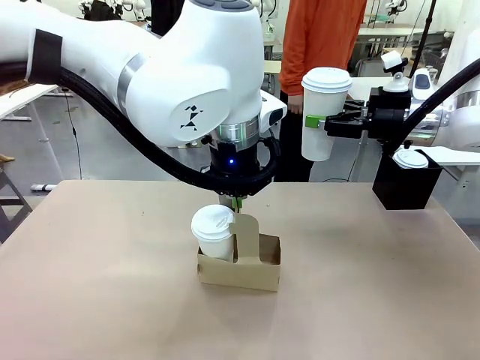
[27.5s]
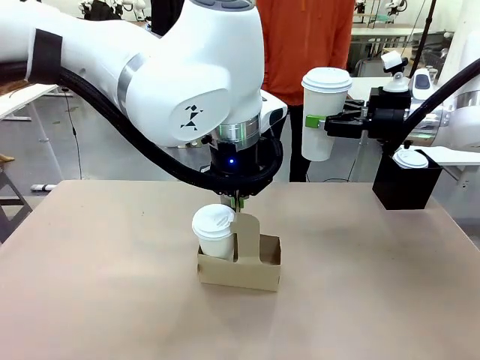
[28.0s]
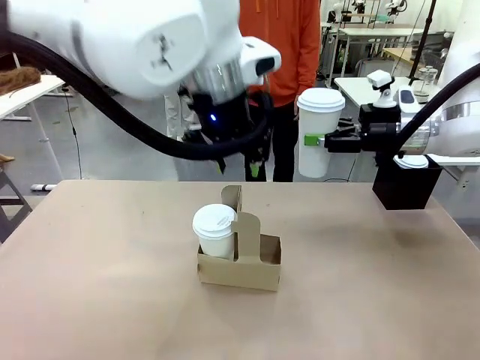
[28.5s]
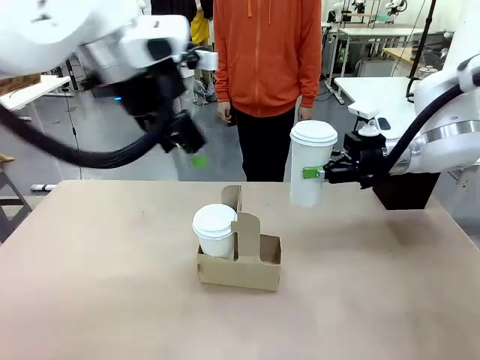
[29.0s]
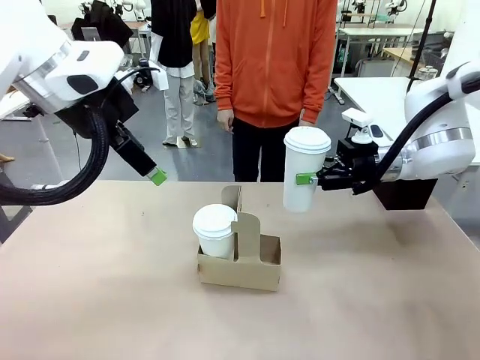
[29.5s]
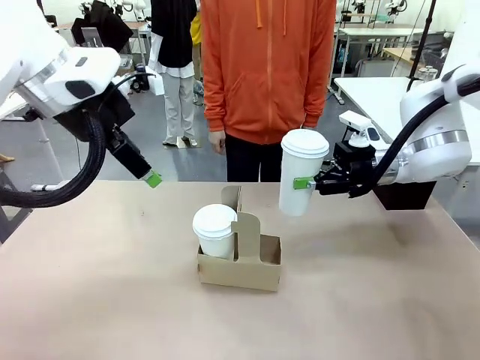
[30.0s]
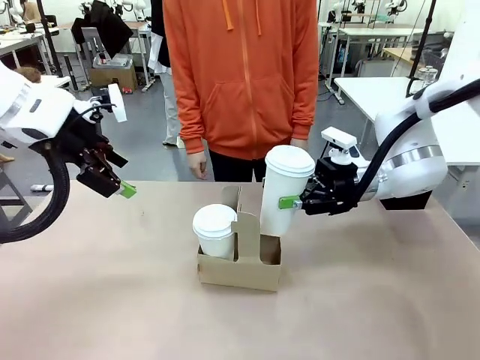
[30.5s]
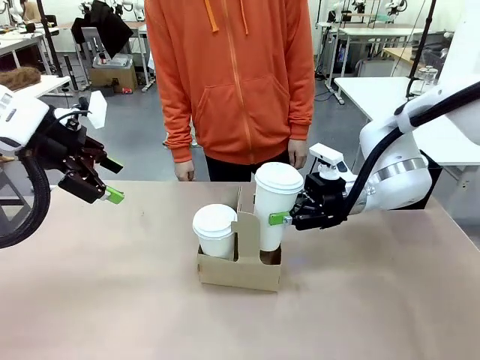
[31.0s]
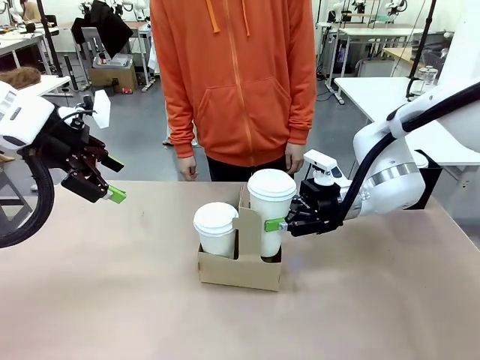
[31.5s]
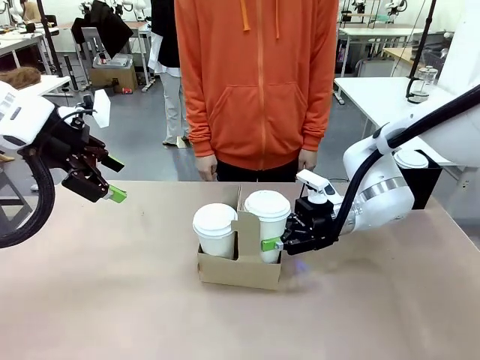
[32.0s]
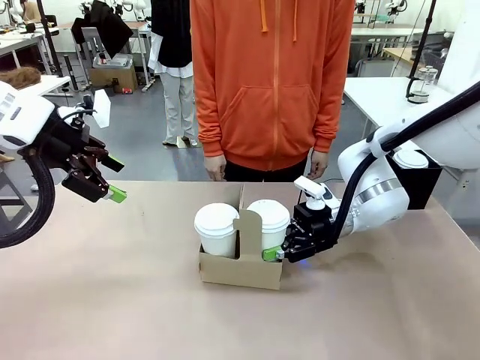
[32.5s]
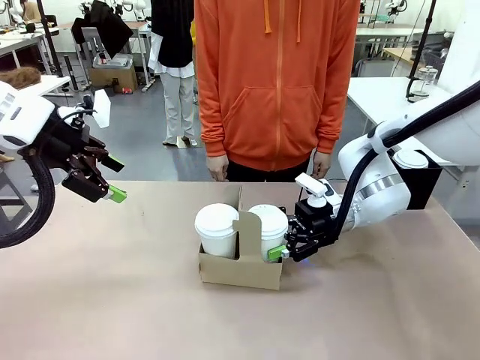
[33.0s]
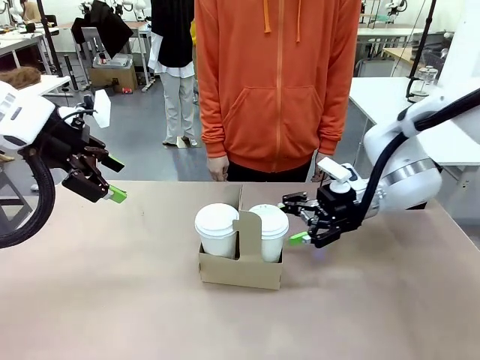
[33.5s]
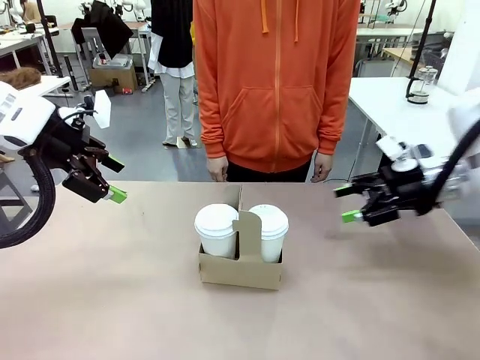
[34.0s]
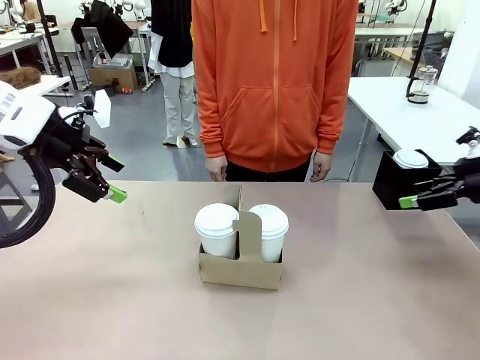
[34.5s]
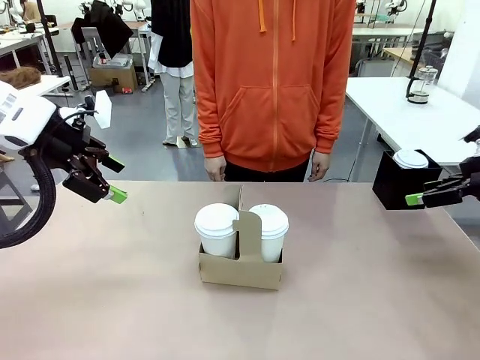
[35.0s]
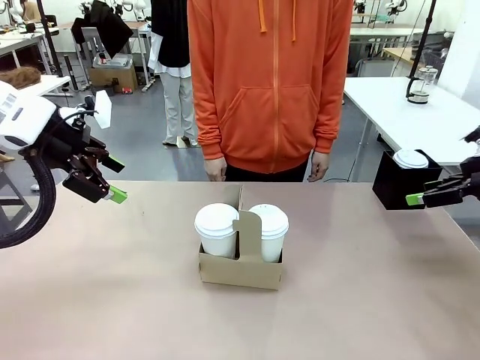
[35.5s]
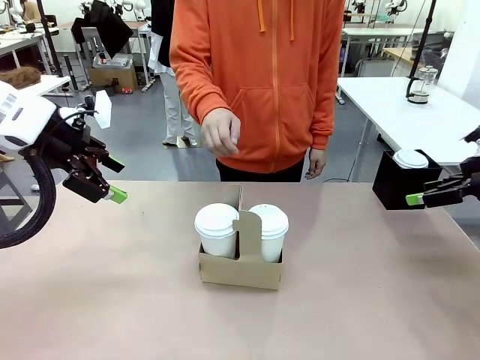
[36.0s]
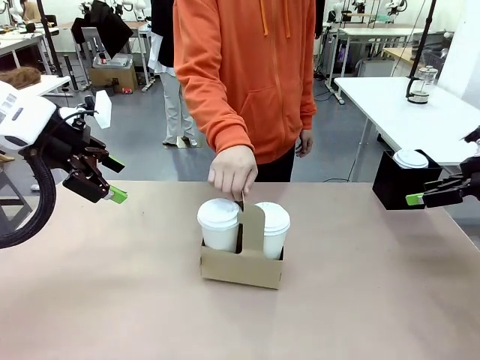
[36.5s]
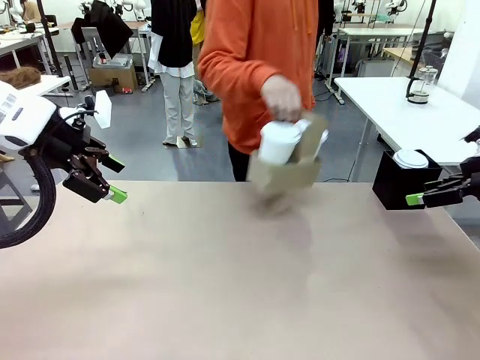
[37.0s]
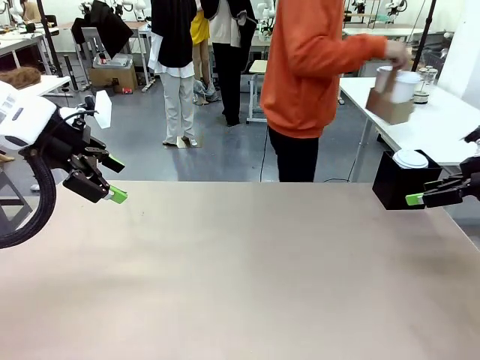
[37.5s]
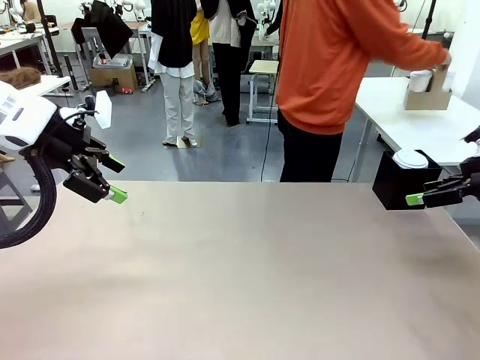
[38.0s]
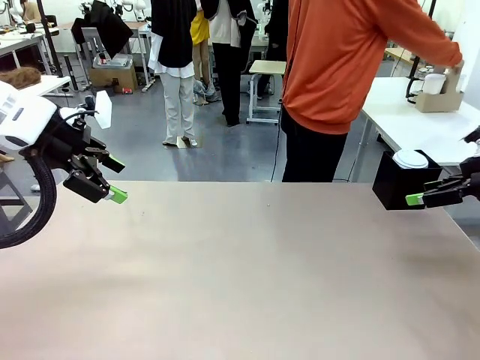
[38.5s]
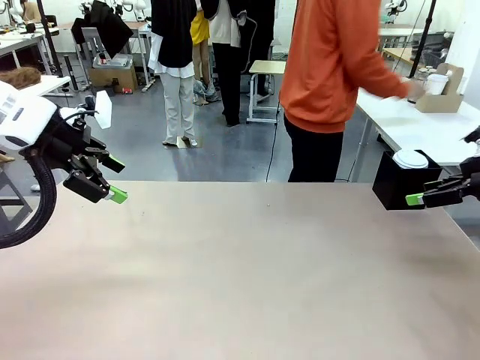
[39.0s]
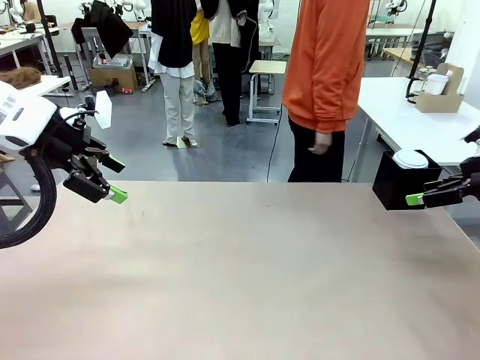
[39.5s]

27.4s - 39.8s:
Task: Pour a drink into a cup and package it in a carrier.
Robot: Insert the held 600 ml Paper Cup into the Cup Carrier.
Person: Place the Cup Carrier to the middle of Human table.

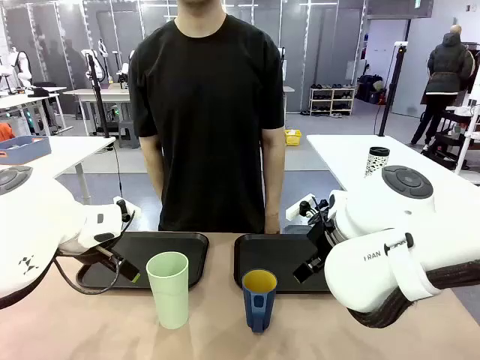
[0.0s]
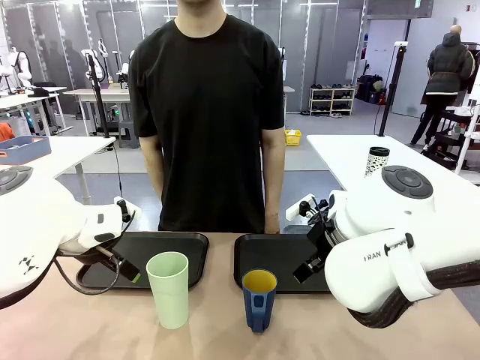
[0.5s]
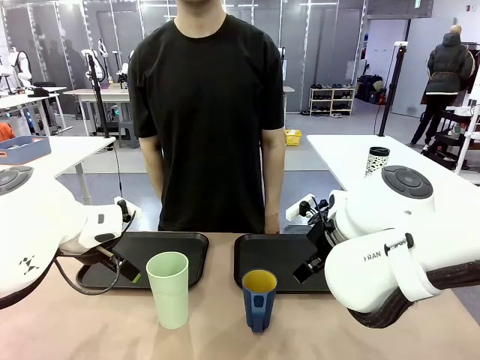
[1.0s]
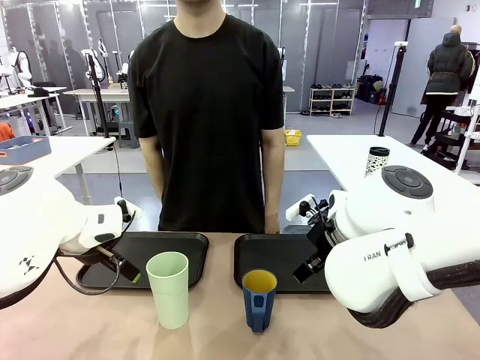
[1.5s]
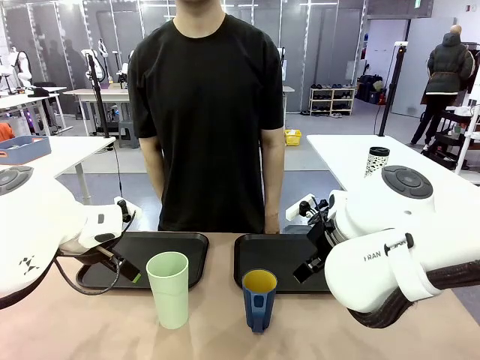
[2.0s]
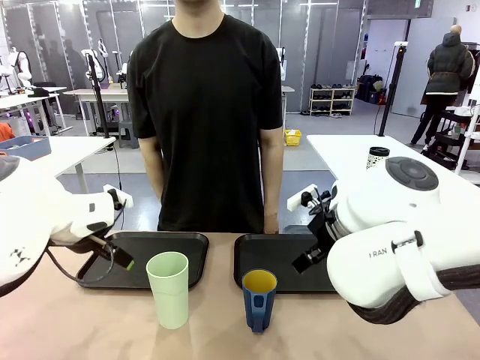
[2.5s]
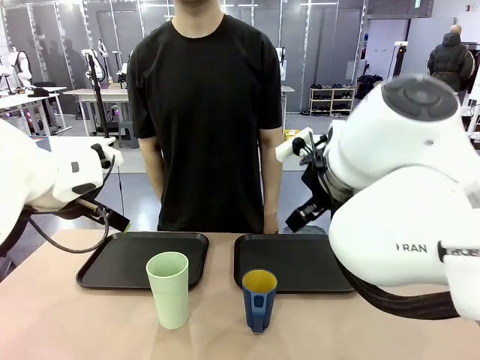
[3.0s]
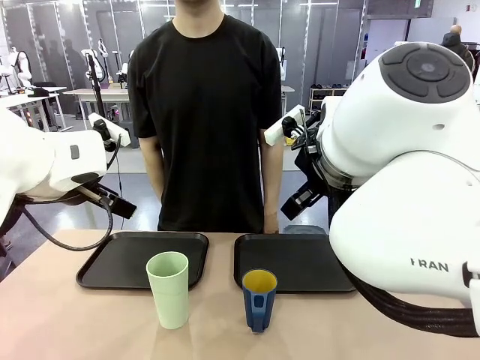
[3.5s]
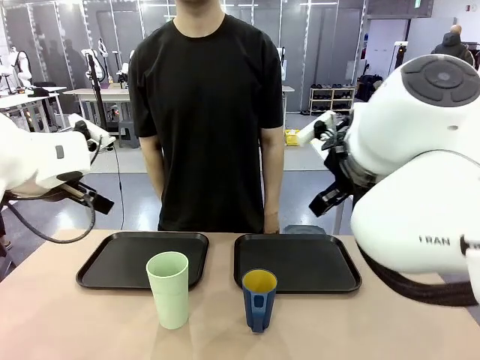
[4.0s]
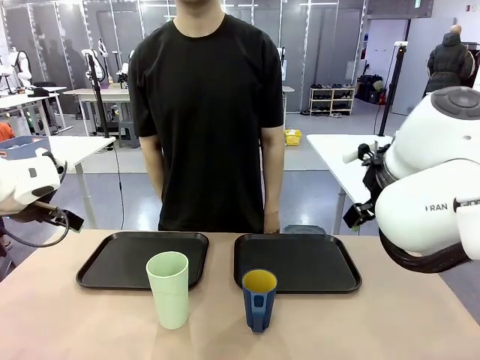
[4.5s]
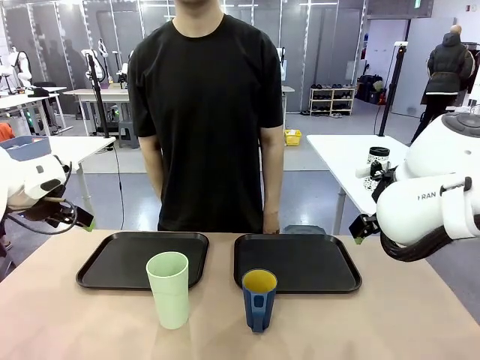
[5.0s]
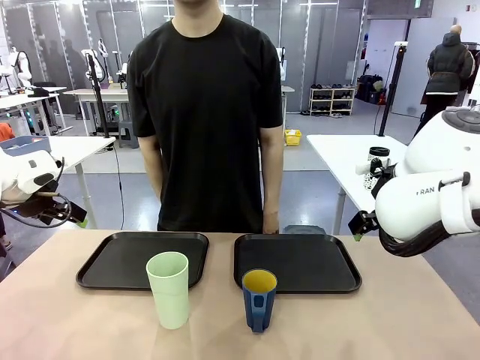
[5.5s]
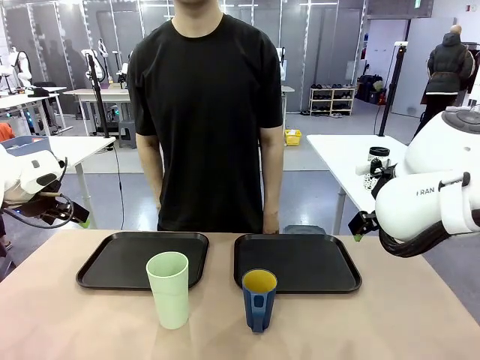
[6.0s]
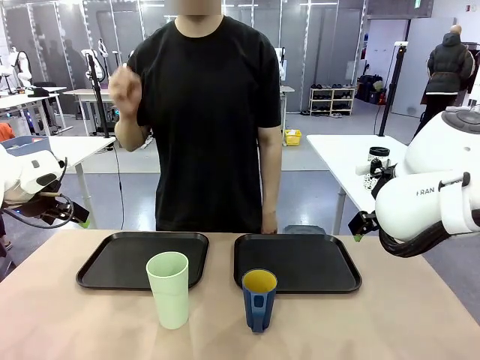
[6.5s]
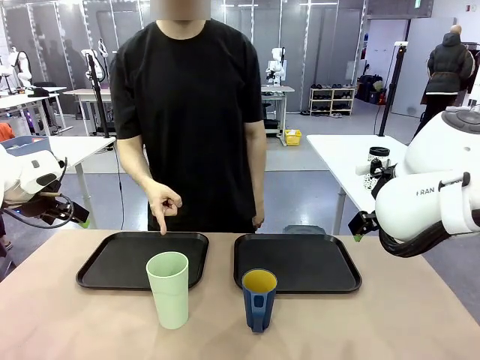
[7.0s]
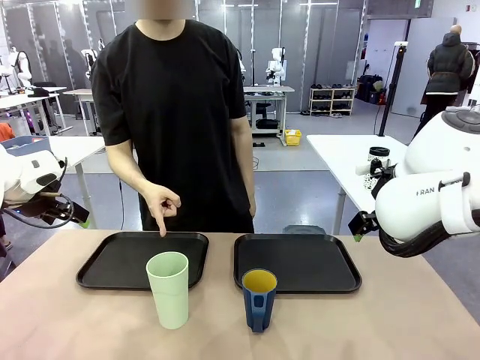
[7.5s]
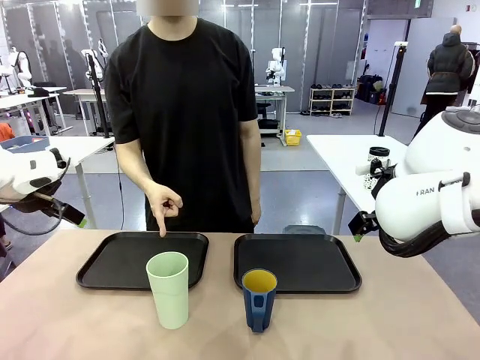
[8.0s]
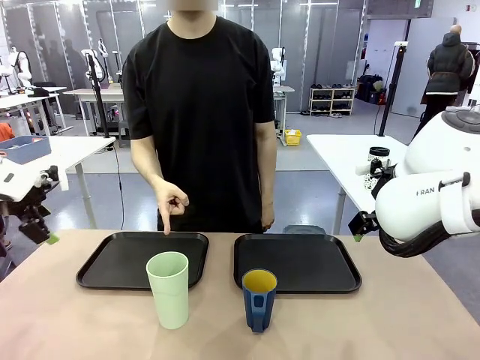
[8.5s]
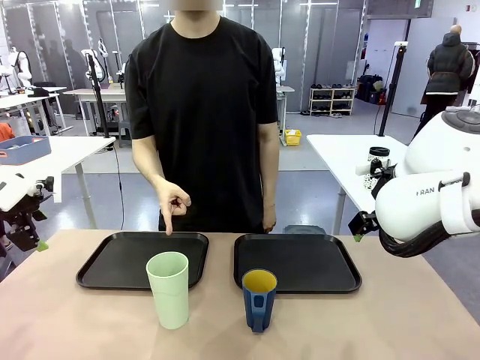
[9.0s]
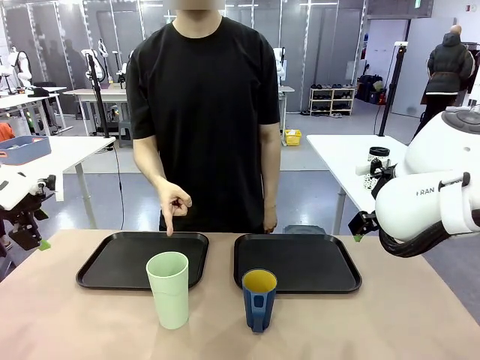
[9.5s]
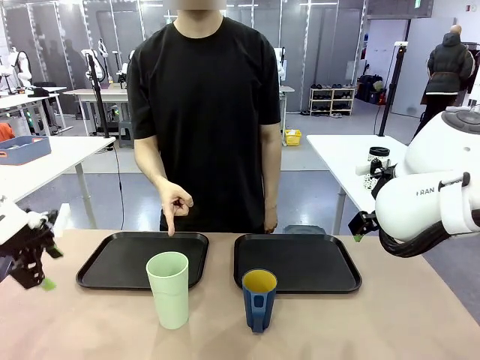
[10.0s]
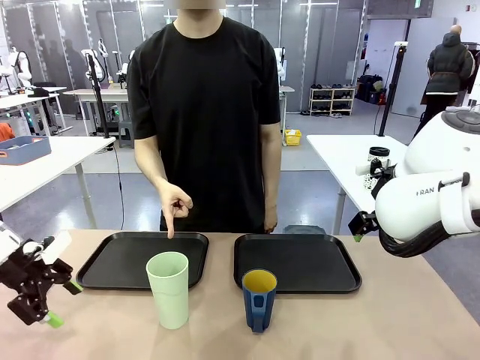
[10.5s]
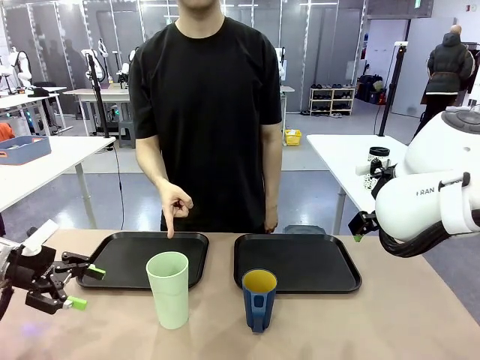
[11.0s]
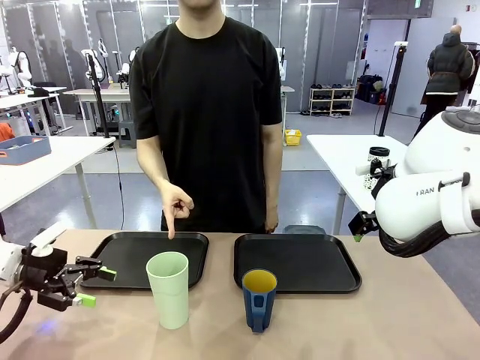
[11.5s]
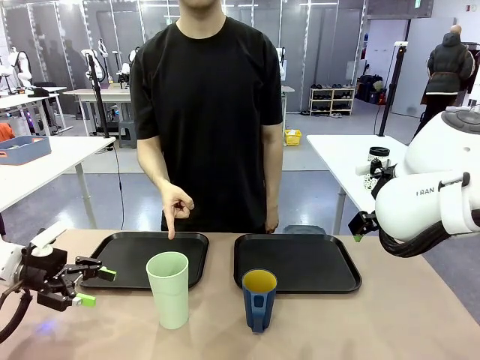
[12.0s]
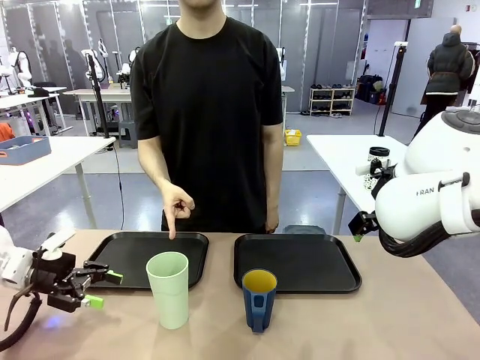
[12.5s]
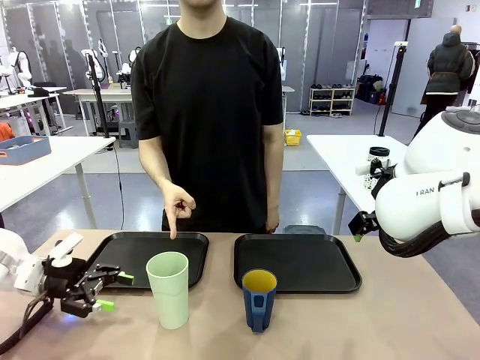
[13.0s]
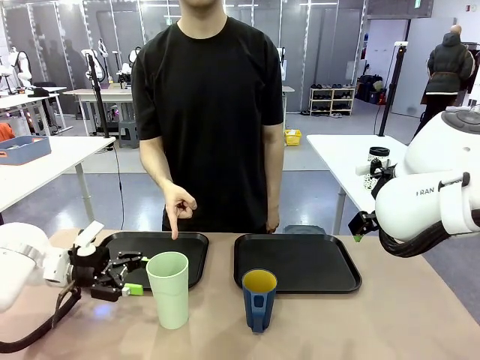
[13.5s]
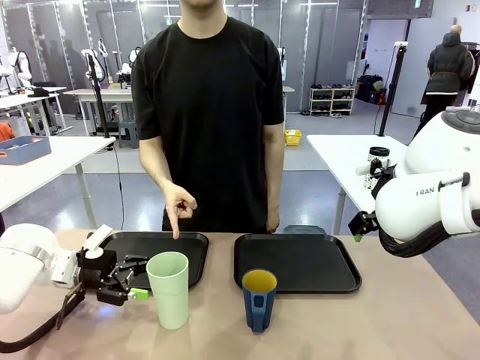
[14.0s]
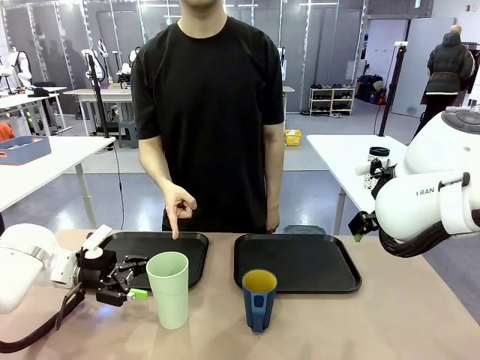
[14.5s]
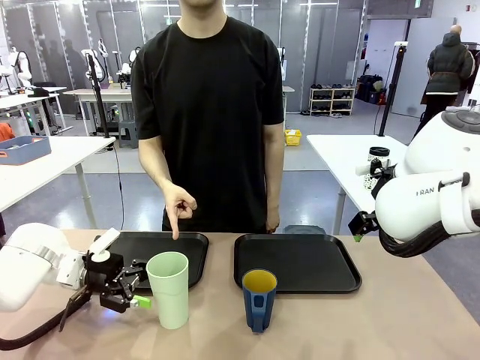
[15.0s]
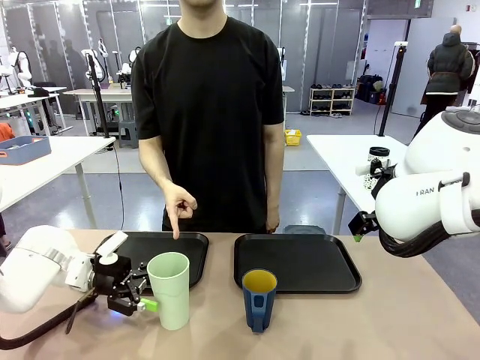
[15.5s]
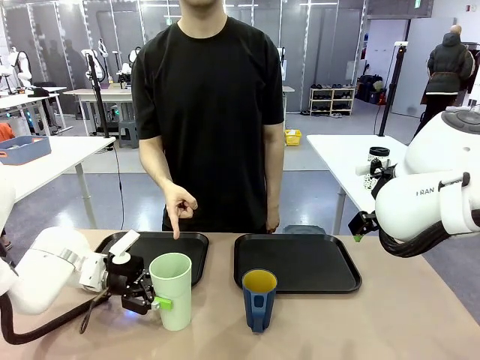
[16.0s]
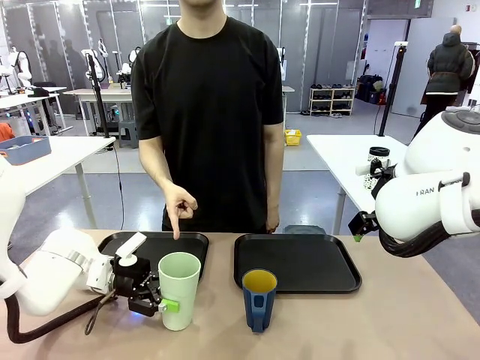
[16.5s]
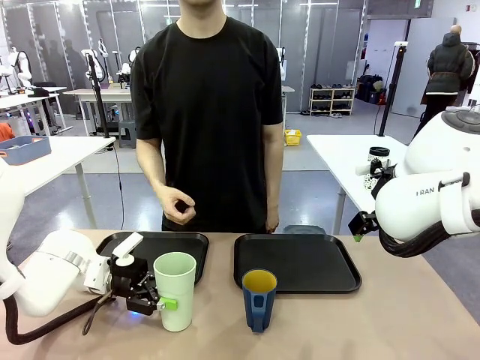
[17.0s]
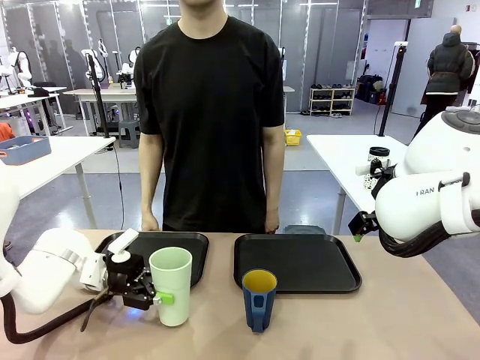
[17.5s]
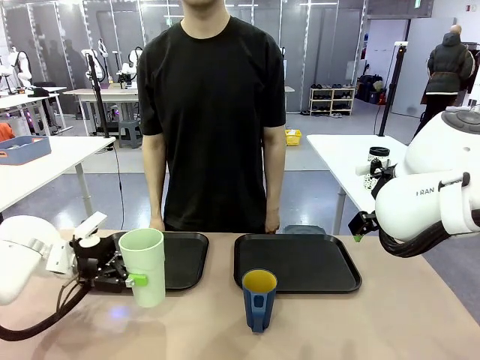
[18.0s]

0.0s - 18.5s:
Task: Sort and store the cups by type.
Robot: Pick up the Reusable plastic cup.
Person: Points to the reusable cup. Point to one of the two trays.
